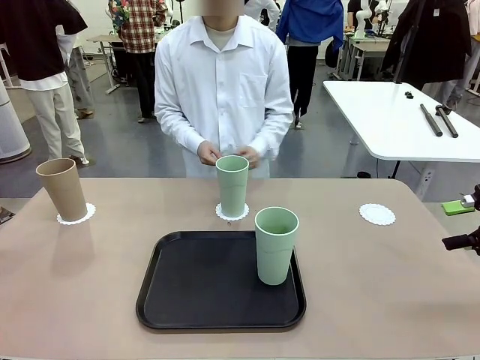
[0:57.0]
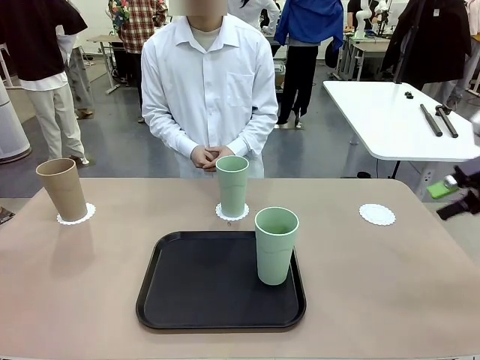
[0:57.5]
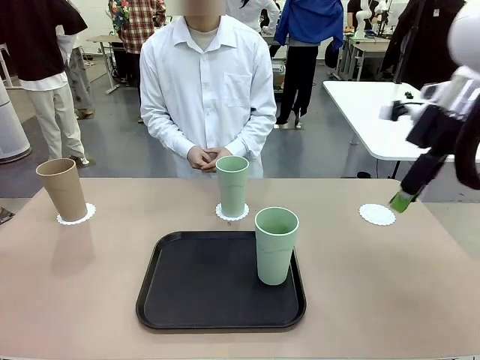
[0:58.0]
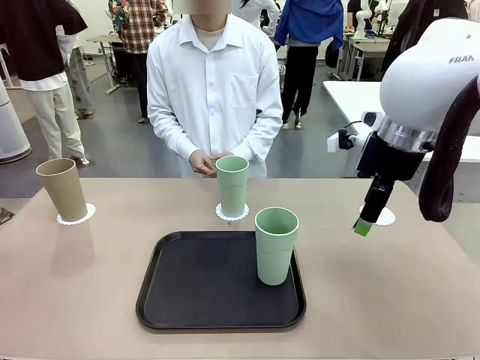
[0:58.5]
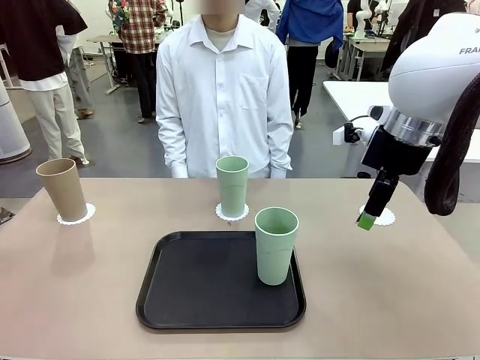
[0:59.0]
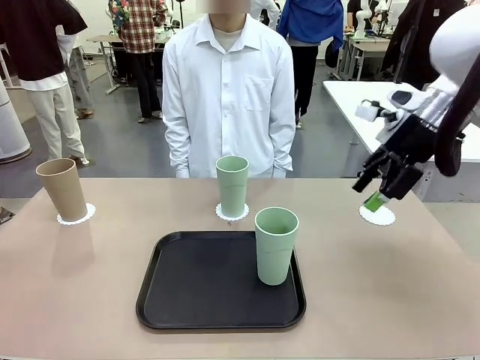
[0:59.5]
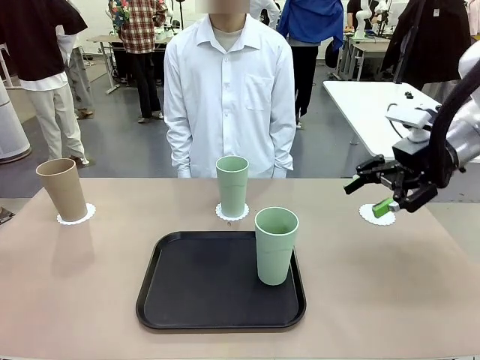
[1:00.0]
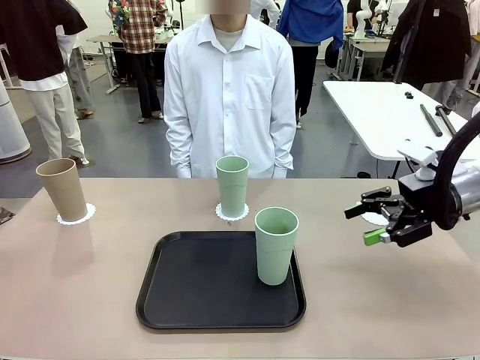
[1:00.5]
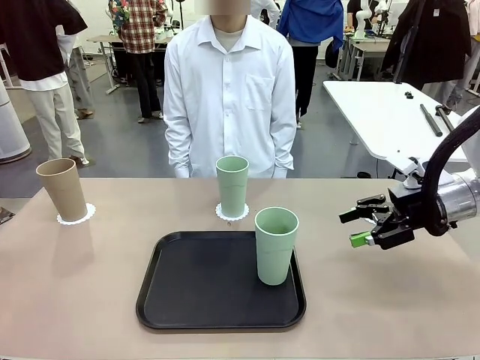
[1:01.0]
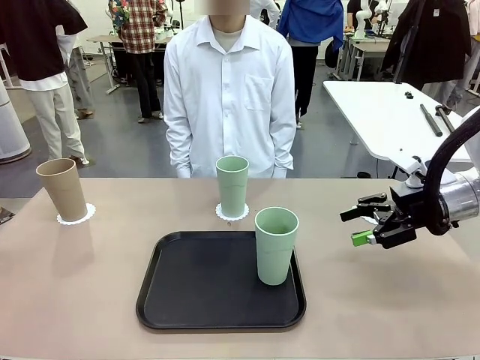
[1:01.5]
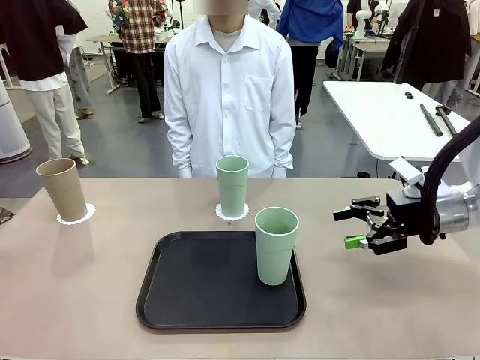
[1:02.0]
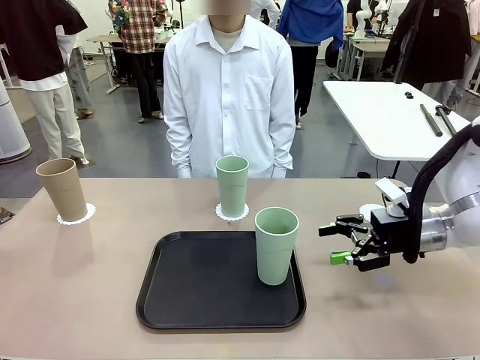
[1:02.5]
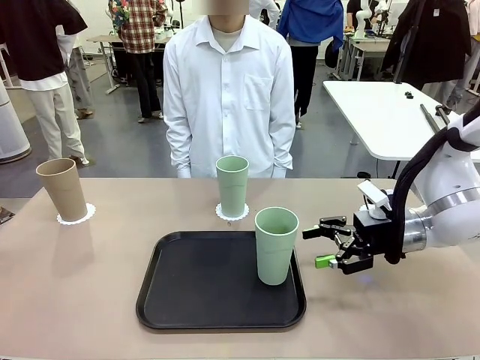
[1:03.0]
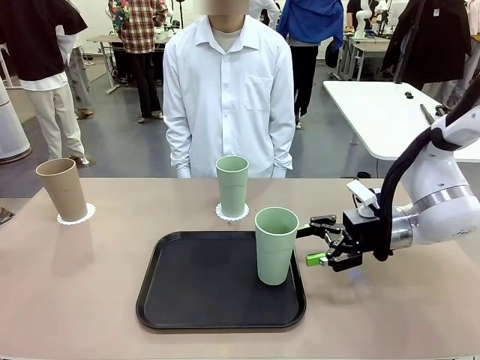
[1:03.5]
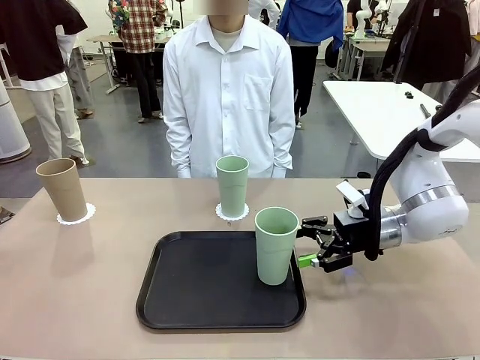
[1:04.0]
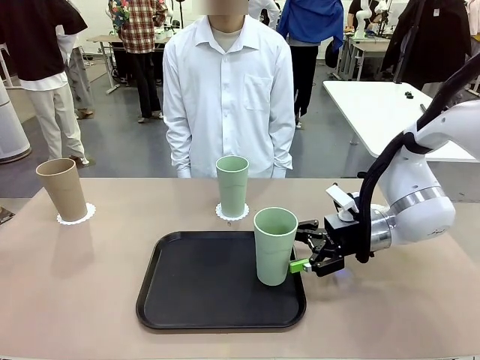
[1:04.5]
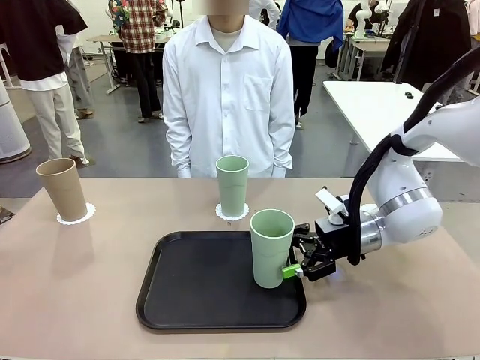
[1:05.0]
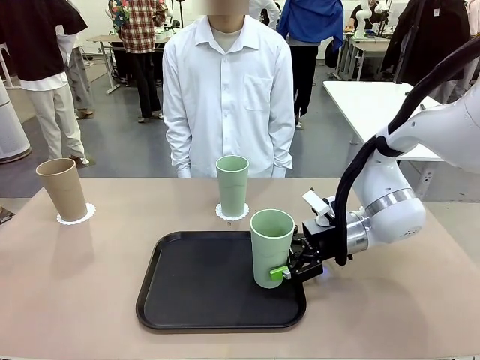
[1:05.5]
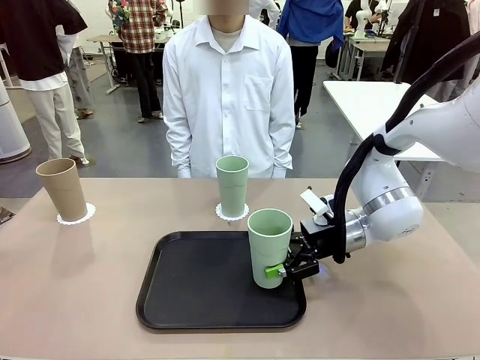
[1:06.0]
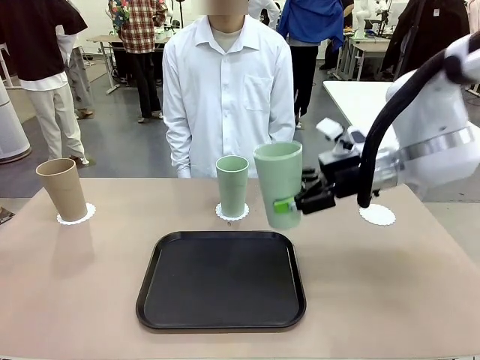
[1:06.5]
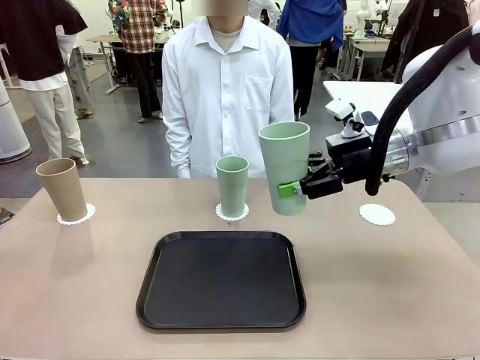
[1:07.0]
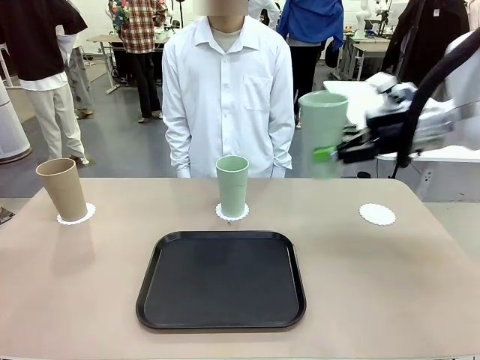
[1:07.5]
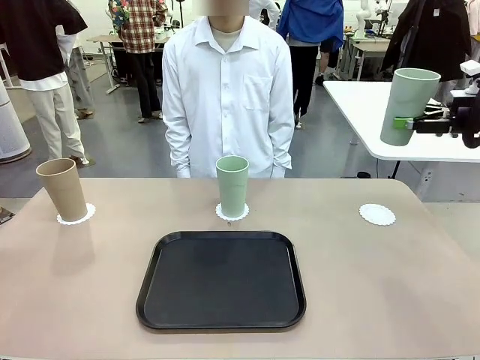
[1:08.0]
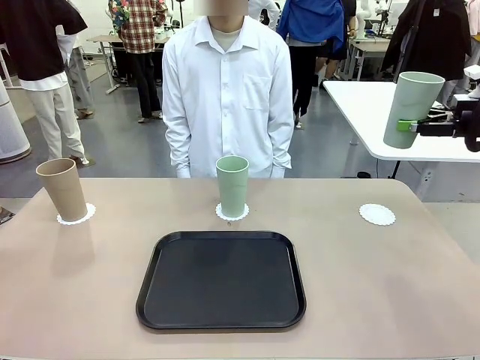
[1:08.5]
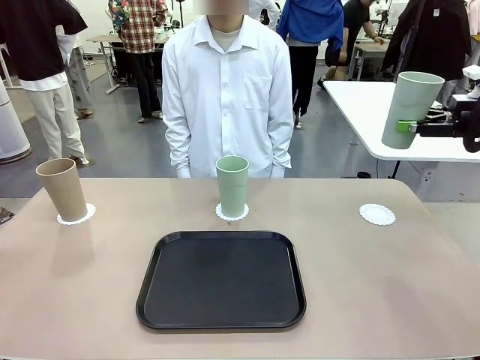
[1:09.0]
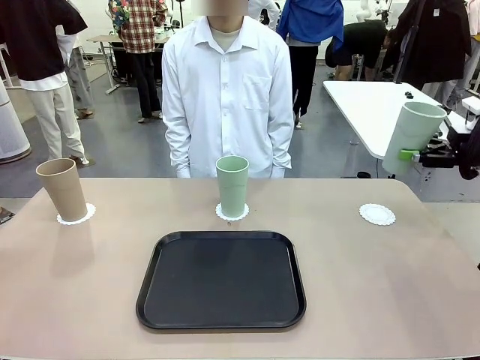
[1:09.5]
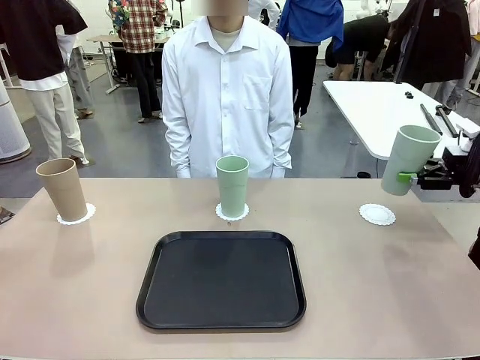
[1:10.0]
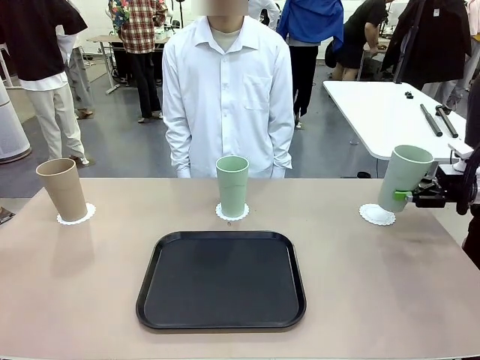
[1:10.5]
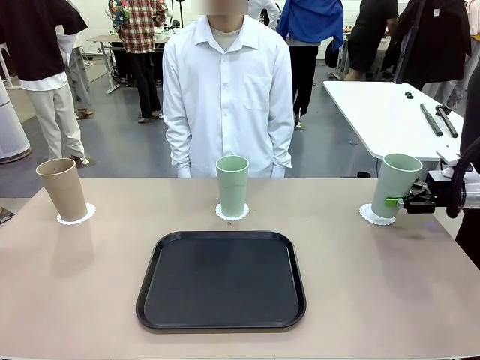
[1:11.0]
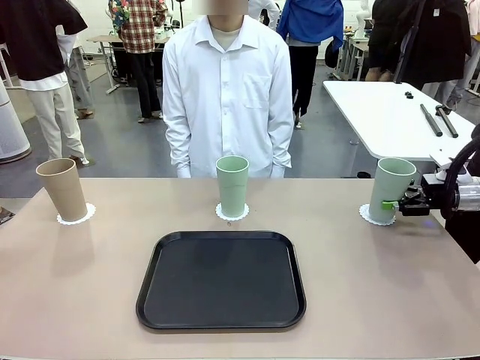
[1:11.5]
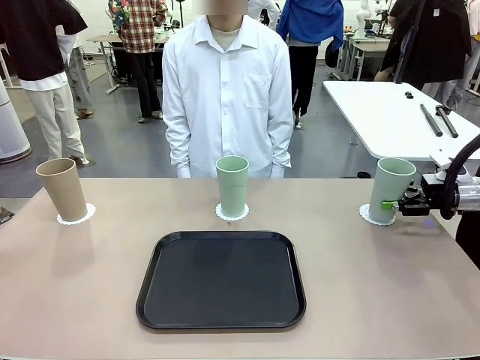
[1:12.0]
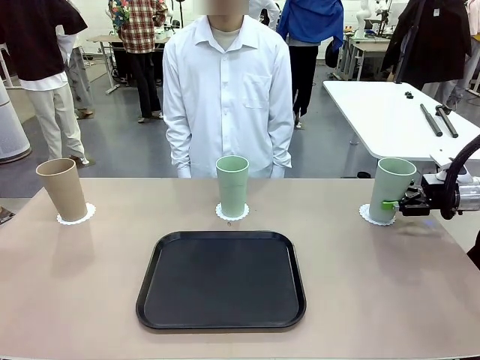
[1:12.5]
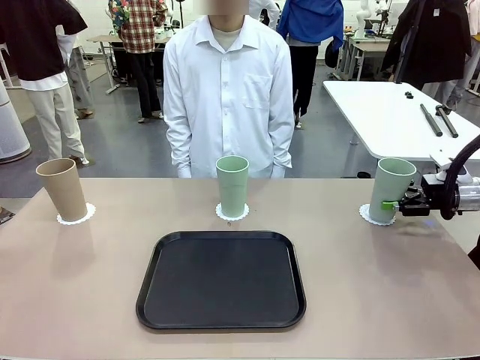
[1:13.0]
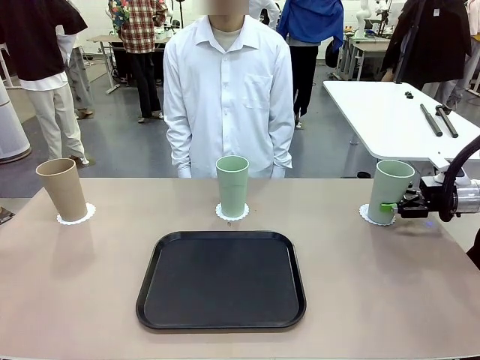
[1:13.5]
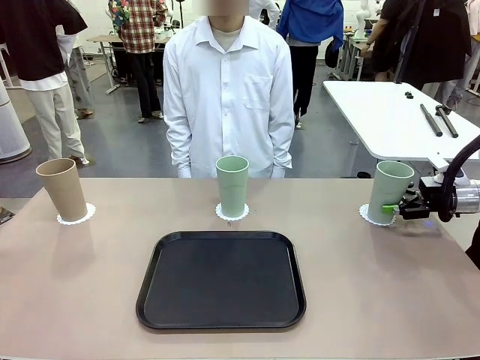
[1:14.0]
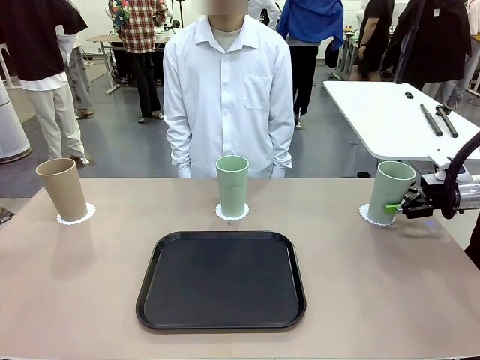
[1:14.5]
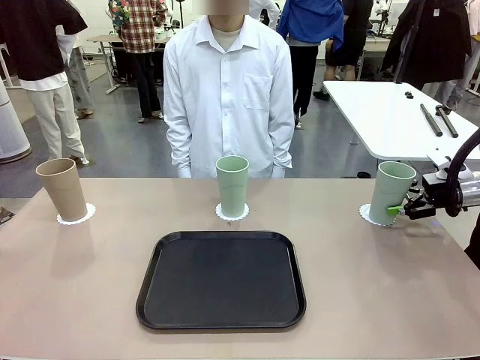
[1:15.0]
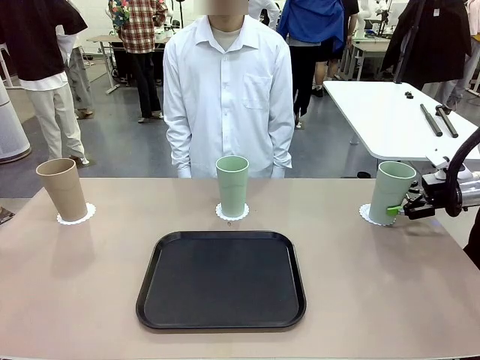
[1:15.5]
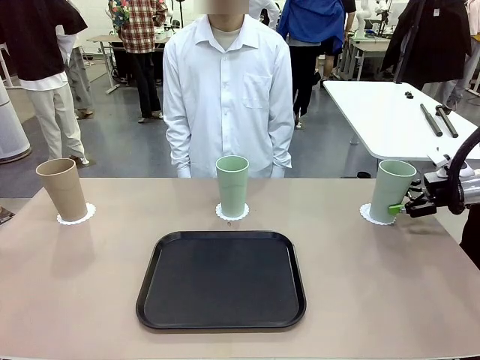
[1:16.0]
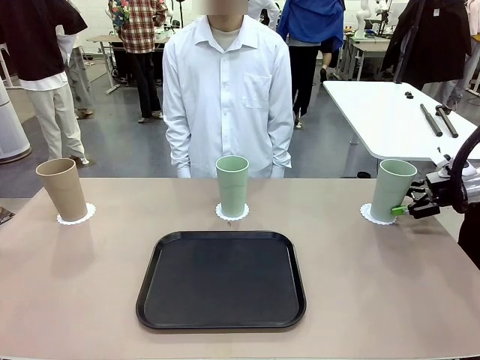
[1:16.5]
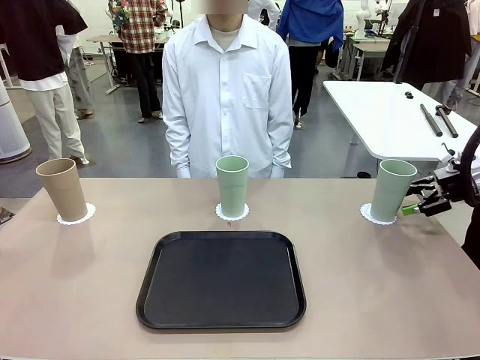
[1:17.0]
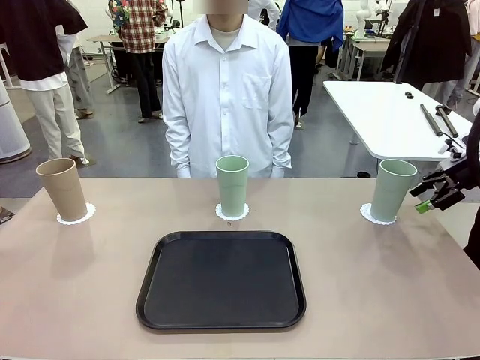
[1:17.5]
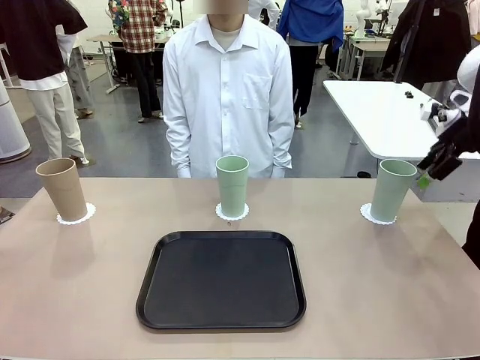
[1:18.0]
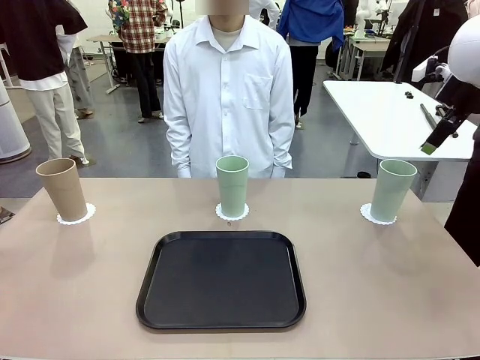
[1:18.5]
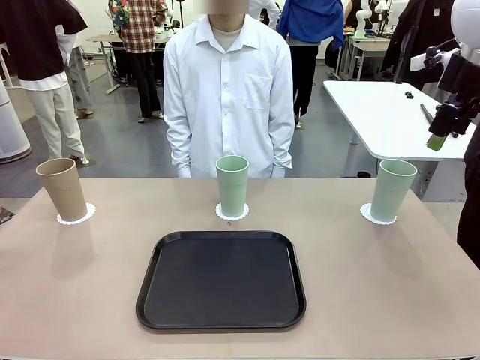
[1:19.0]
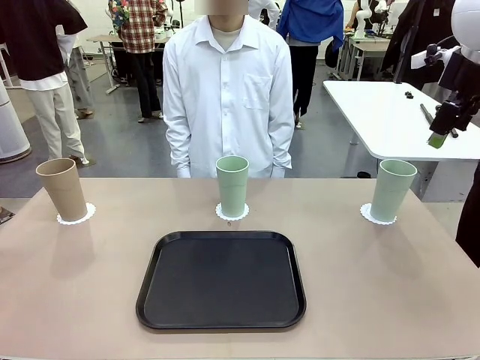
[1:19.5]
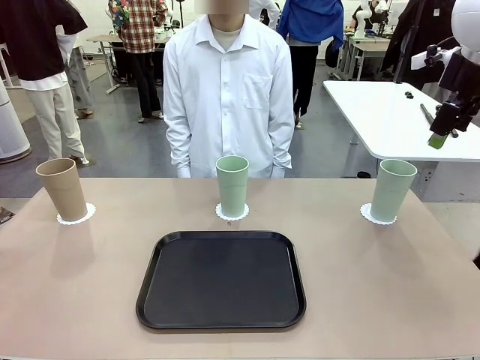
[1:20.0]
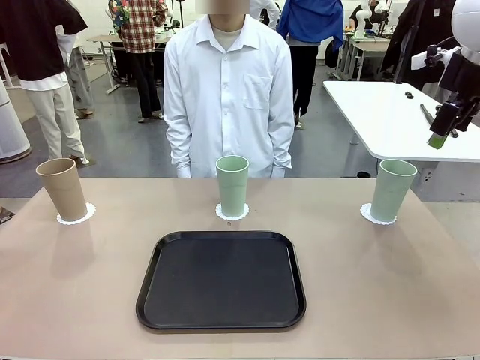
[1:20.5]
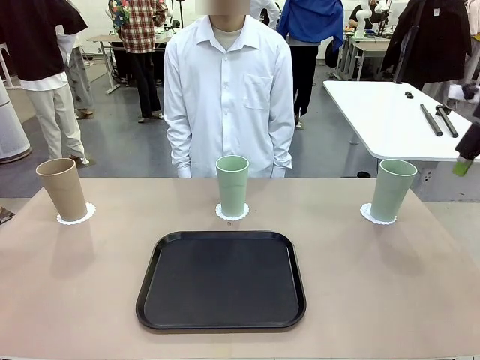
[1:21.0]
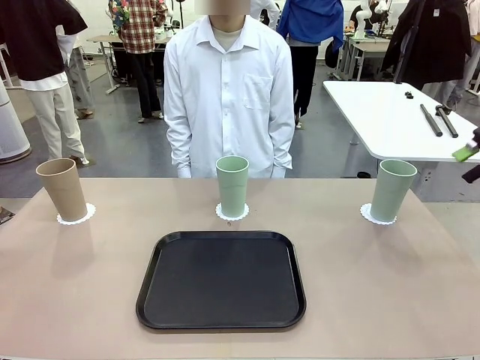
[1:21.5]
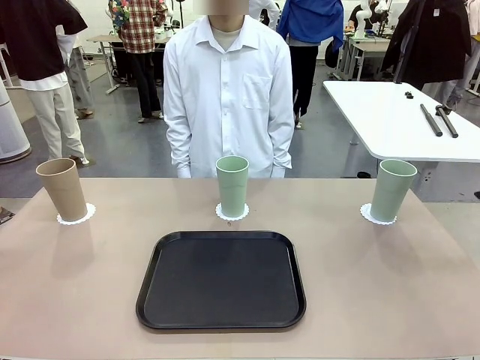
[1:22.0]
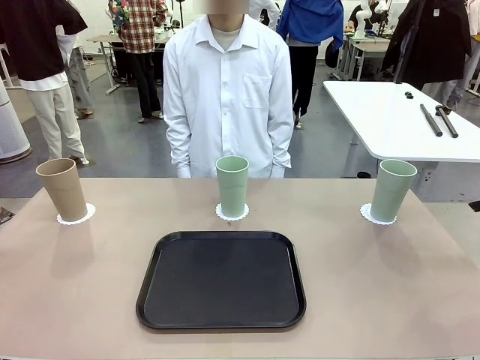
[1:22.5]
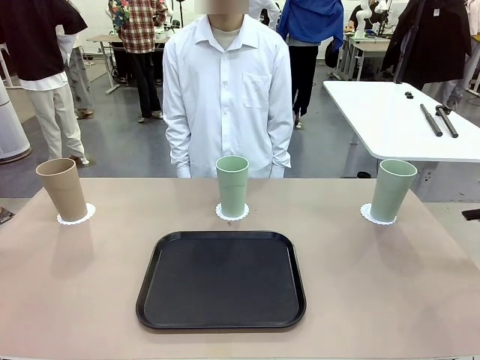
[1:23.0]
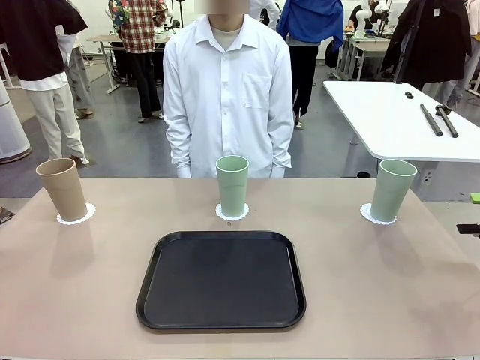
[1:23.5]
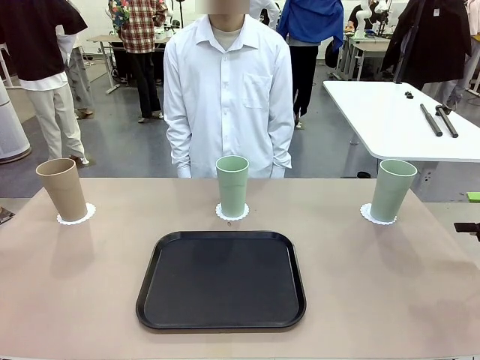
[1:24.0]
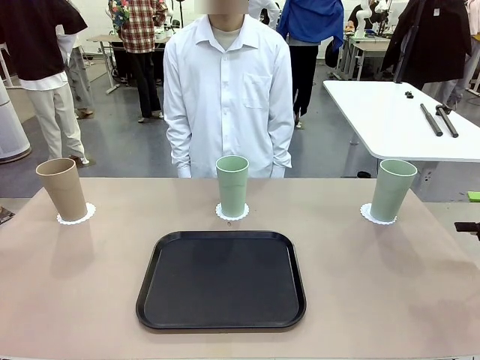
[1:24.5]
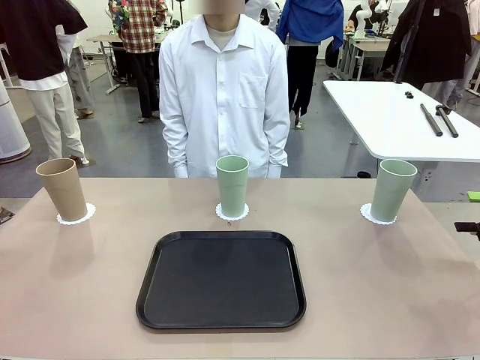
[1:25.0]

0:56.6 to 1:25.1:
Task: Place coasters on the table and set cups on them.
Robot: Take one Reusable plastic cup from the Flat Tray and place it on a coaster set by the human.
Person: Place one coaster in the only remaining area.
